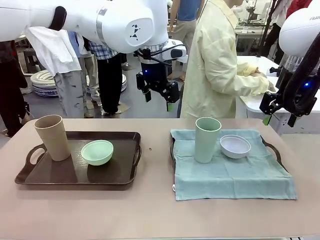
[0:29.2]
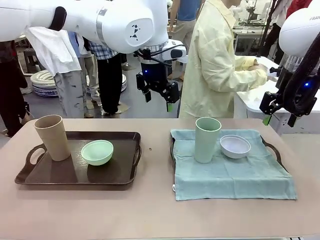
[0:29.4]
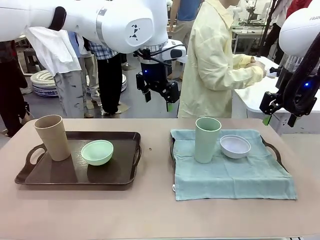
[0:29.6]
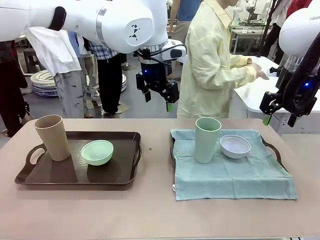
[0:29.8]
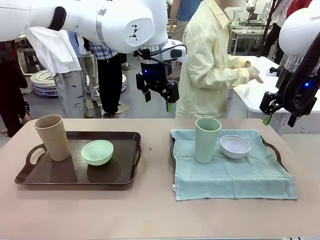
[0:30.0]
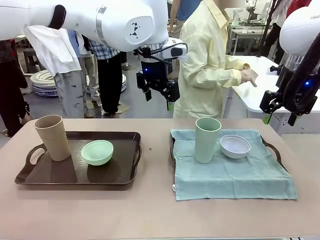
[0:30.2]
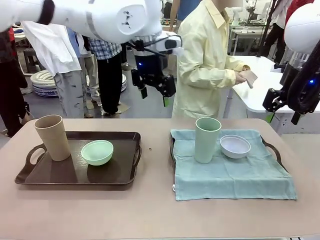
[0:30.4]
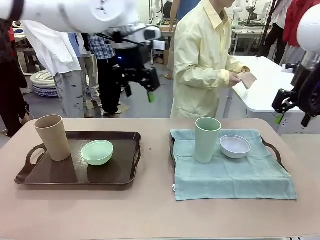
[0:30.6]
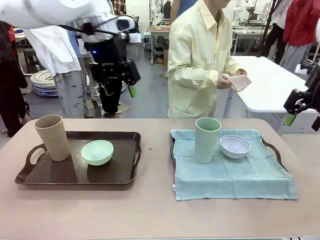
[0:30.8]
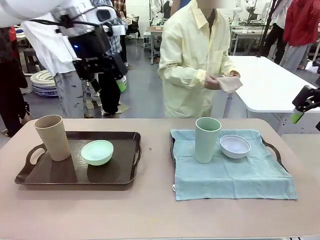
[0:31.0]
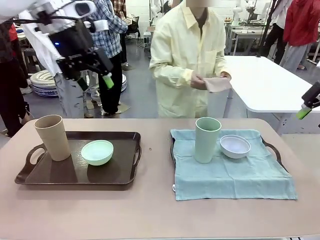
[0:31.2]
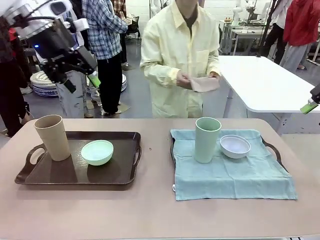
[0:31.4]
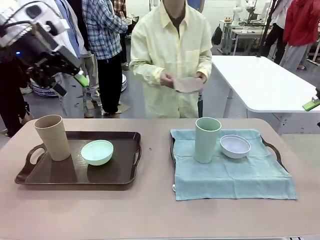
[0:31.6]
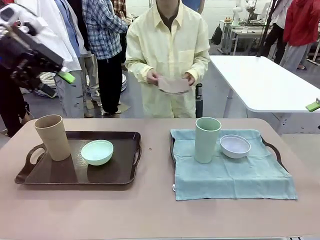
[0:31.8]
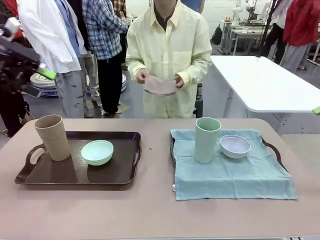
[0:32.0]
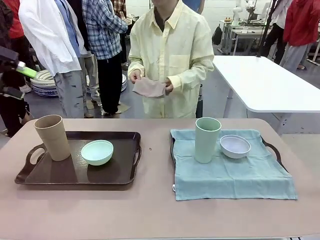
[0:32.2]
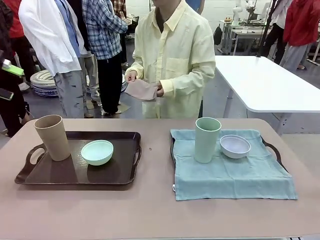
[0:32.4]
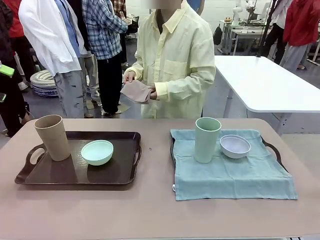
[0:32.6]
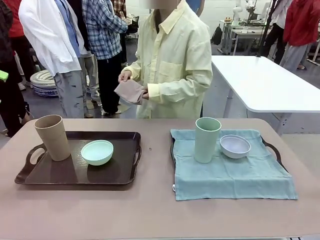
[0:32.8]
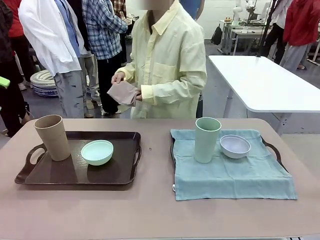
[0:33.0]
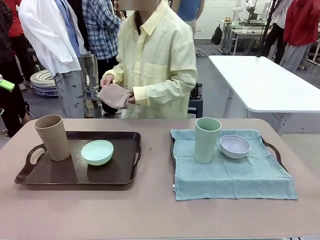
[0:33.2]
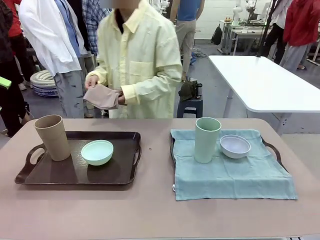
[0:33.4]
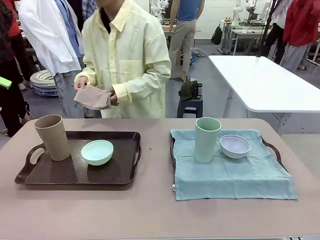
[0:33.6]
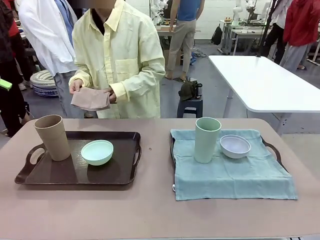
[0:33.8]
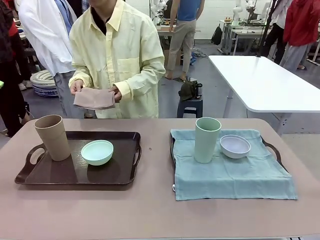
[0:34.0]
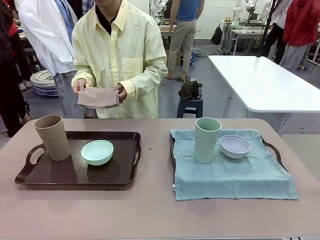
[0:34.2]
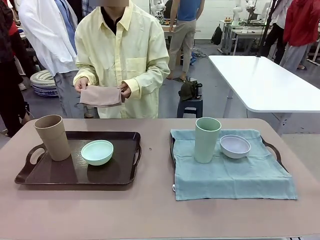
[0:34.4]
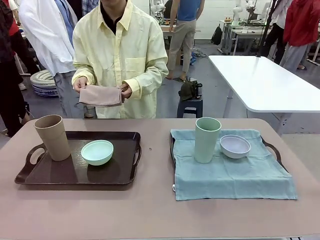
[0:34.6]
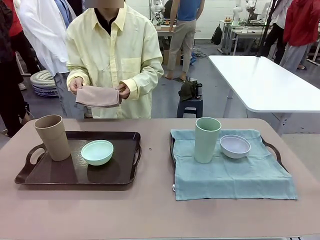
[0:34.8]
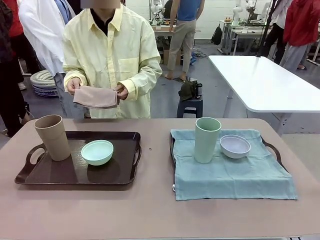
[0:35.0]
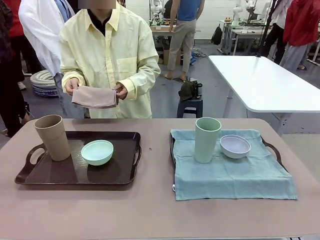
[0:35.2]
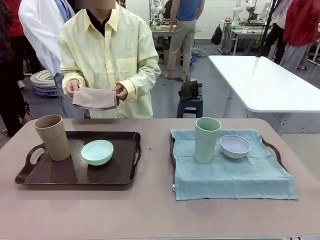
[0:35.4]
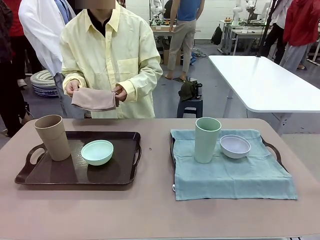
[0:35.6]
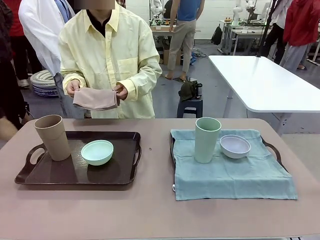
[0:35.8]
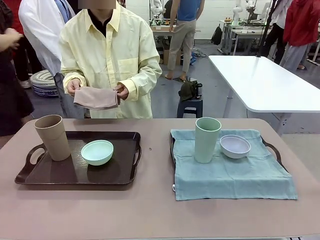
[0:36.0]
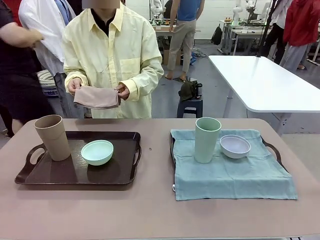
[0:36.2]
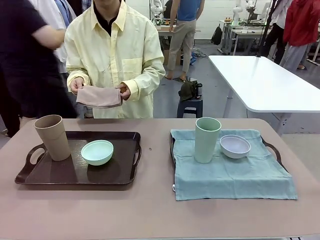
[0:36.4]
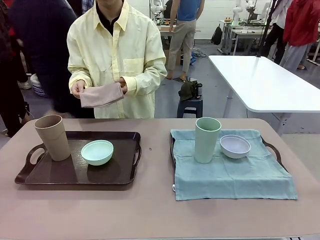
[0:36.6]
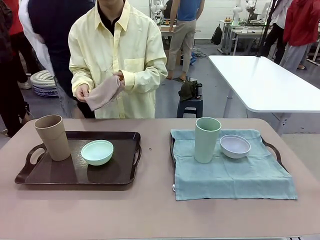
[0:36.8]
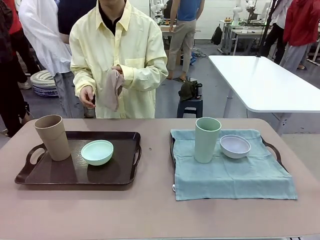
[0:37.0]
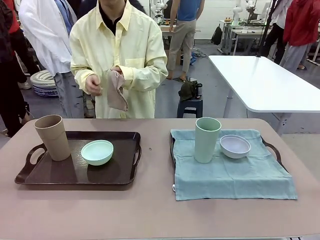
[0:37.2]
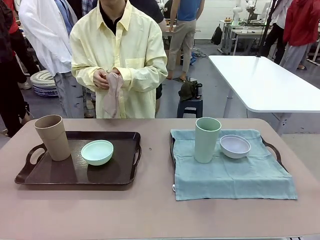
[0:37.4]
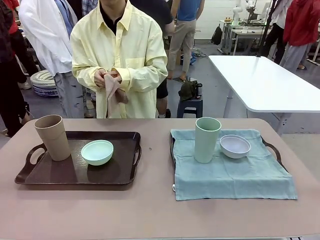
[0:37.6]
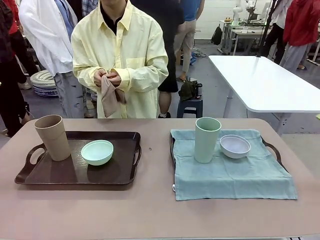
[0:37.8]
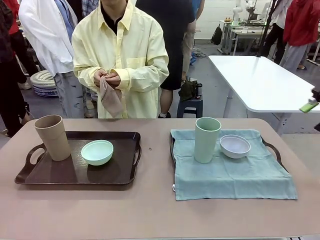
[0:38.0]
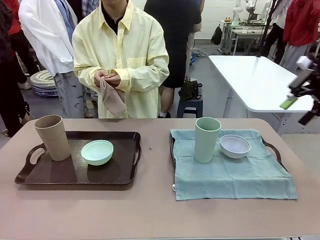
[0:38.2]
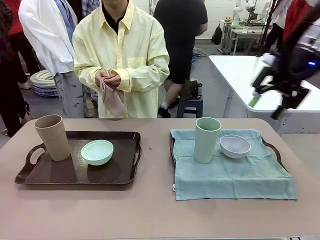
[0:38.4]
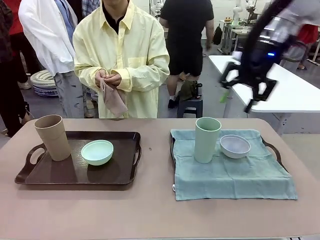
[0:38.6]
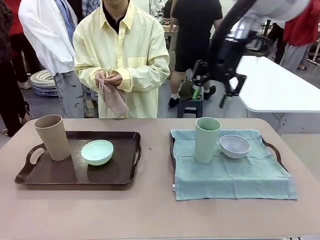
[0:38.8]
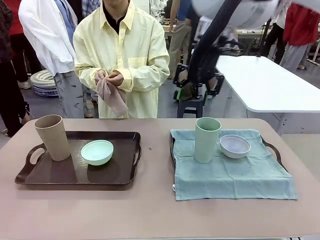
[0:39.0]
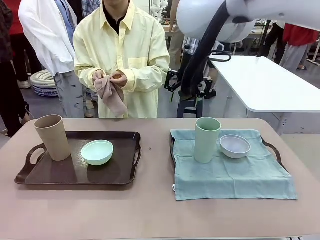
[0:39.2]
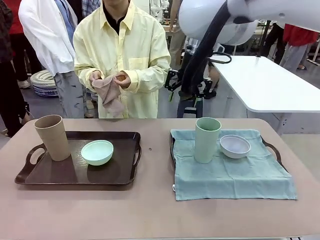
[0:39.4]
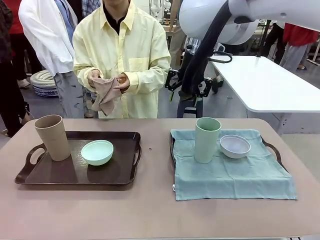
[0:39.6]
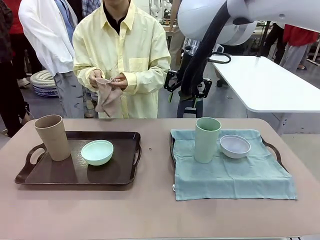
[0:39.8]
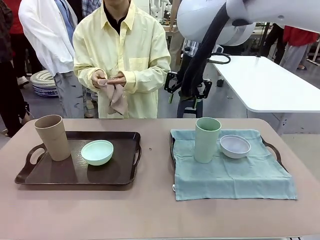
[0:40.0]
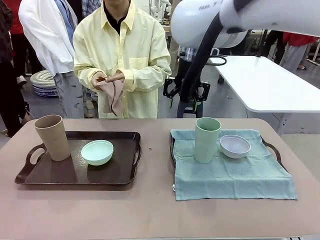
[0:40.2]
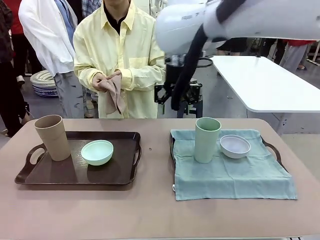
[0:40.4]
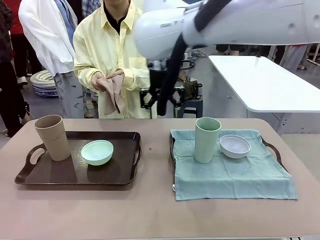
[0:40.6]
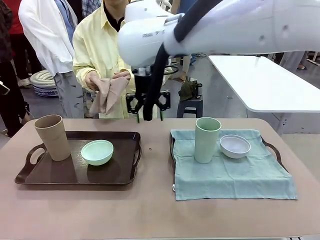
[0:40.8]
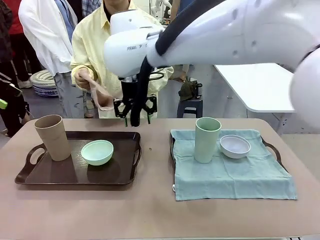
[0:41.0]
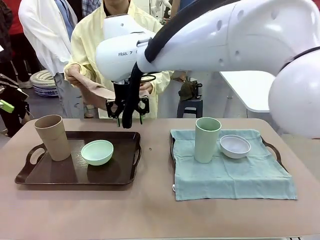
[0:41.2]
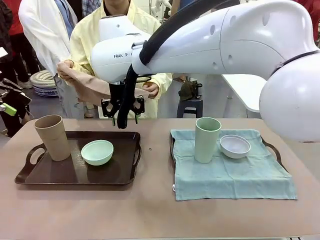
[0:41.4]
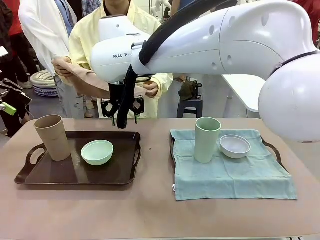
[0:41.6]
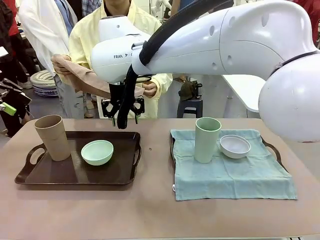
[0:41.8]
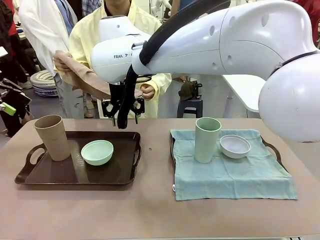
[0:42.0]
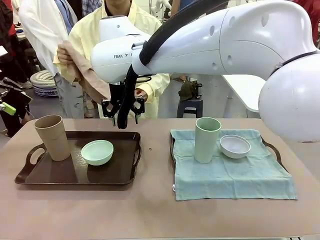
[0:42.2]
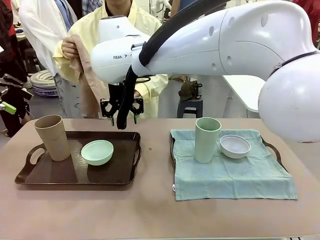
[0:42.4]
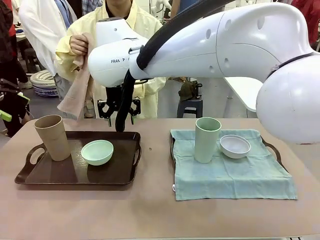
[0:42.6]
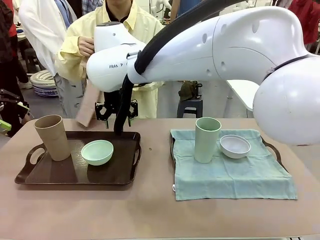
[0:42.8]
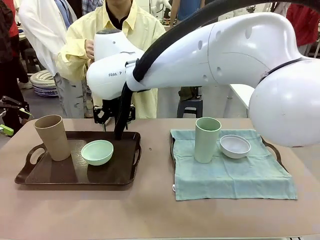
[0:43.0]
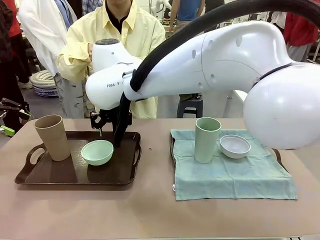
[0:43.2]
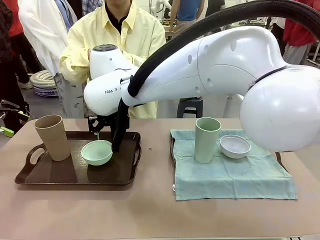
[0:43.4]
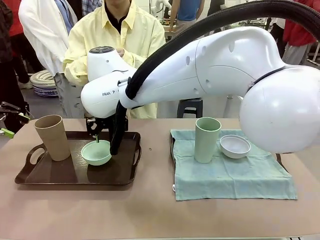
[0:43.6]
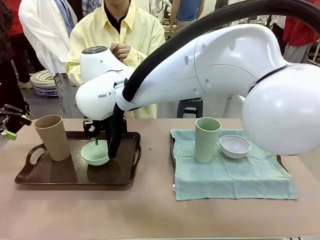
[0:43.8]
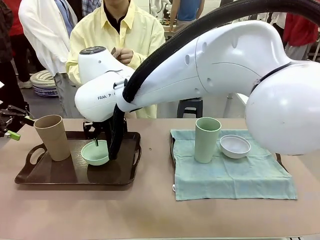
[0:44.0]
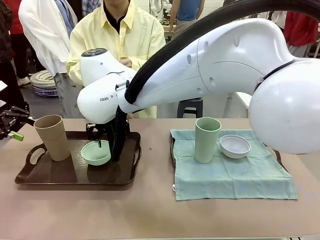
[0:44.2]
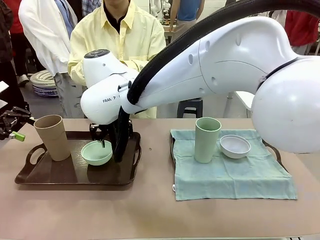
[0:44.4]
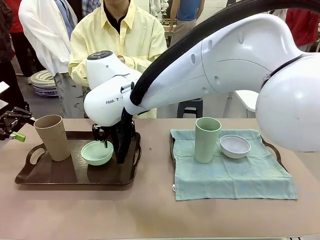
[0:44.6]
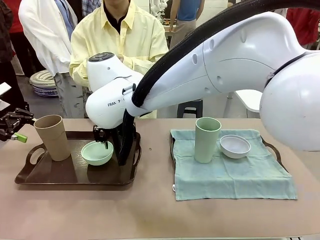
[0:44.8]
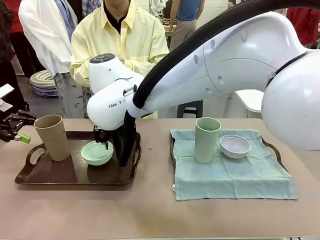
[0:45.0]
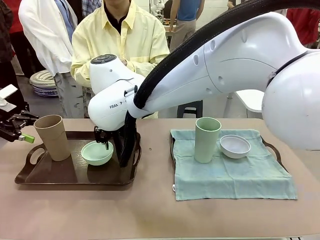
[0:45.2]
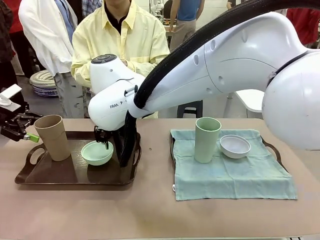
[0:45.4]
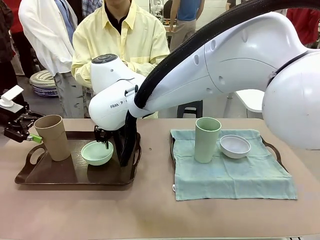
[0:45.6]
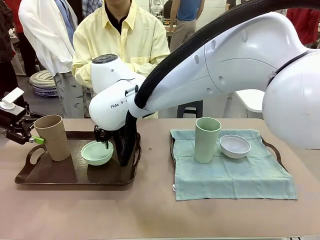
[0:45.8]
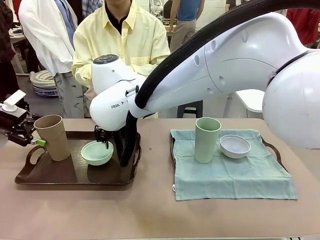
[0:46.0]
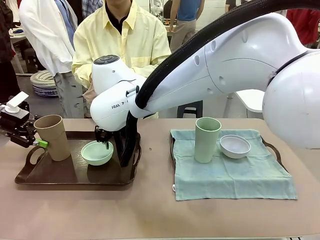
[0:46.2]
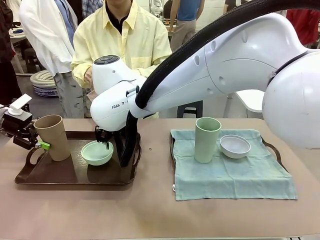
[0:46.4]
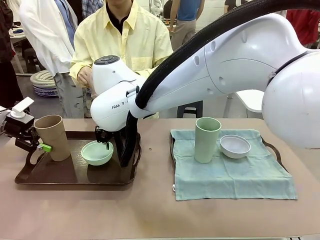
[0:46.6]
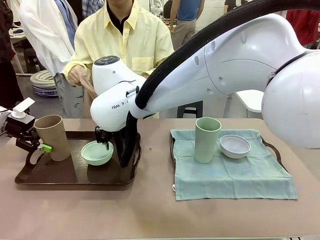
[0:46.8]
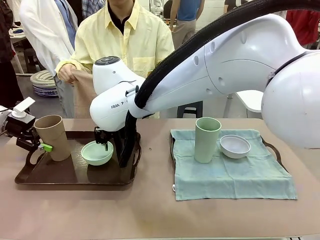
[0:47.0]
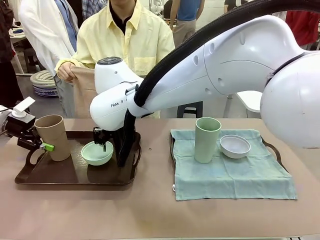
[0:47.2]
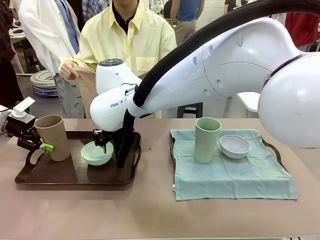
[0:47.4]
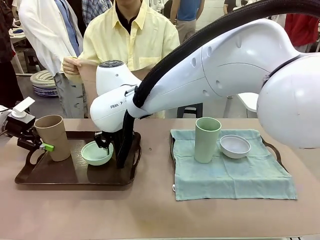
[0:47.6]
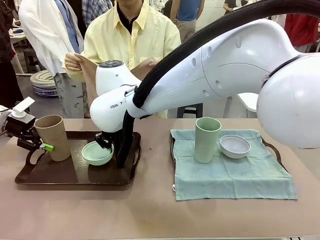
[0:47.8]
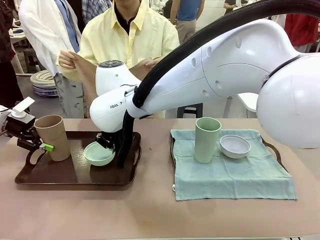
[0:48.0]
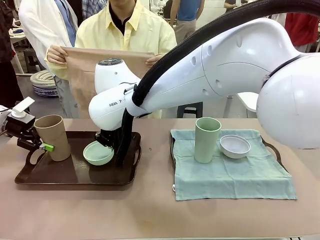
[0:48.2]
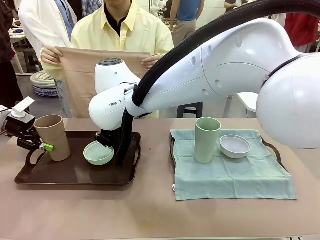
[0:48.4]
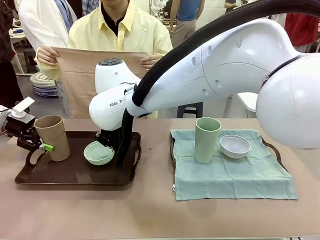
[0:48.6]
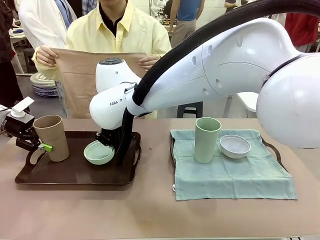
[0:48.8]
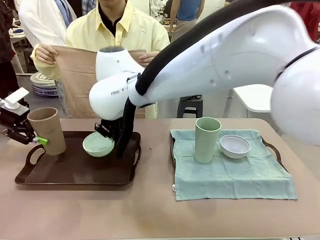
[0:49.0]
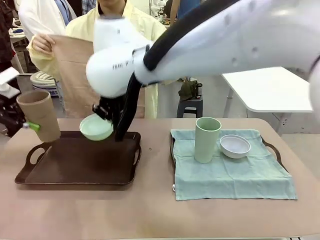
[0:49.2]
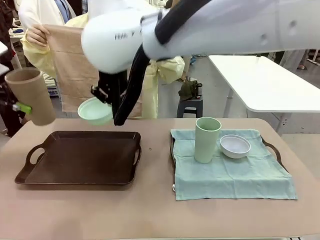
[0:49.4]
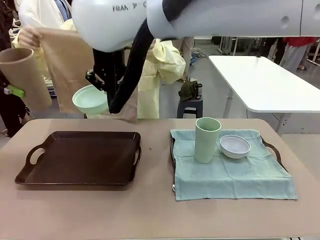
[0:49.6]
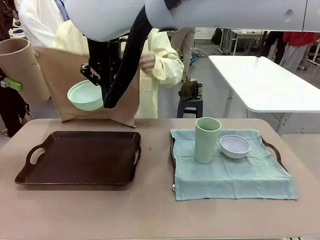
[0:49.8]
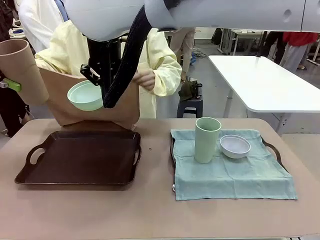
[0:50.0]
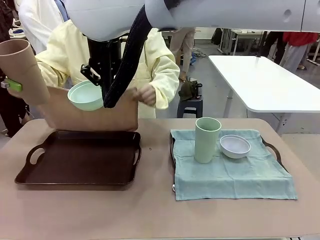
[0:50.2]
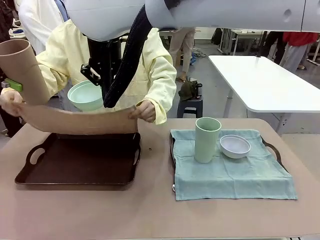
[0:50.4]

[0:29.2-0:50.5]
Robot: Pick up the Picnic Bowl and Reusable plastic cup from the Handle tray in front of the human's position and hold them in the air.
Person: The human returns to the human table to pick up another napkin and walks to the robot table to stand in front of the tray without a napkin.
